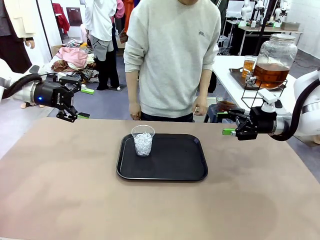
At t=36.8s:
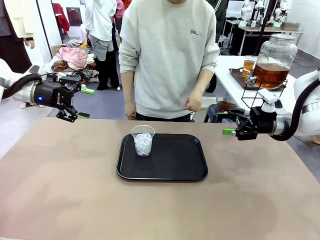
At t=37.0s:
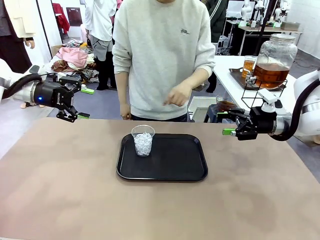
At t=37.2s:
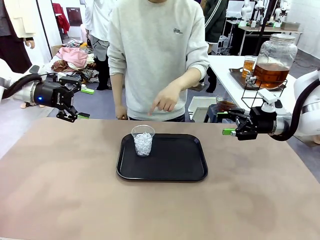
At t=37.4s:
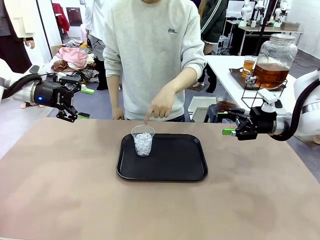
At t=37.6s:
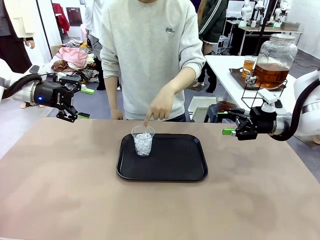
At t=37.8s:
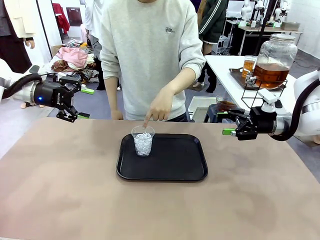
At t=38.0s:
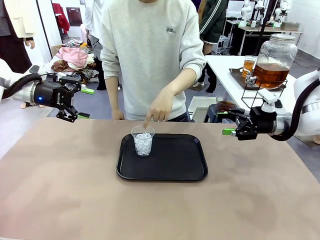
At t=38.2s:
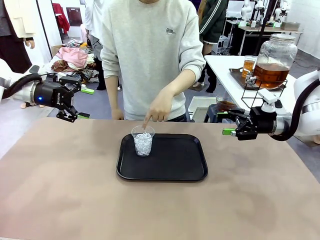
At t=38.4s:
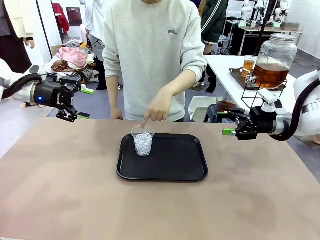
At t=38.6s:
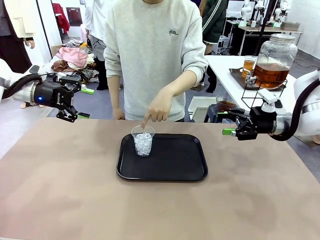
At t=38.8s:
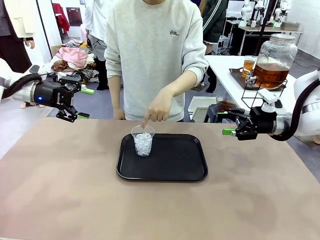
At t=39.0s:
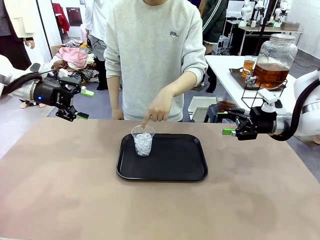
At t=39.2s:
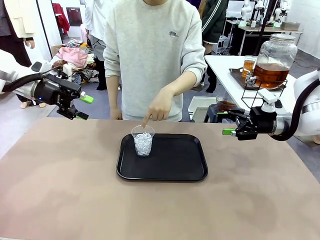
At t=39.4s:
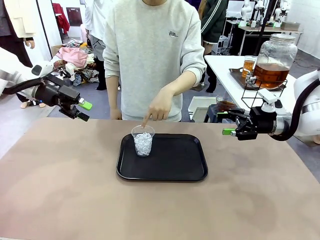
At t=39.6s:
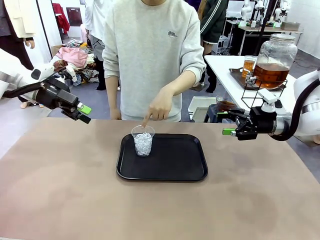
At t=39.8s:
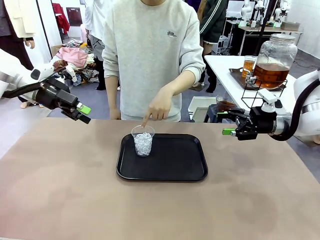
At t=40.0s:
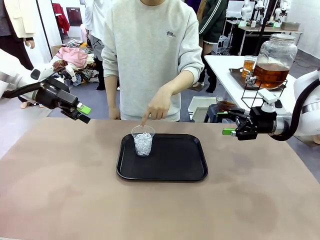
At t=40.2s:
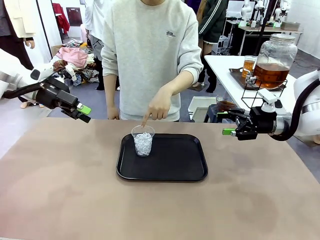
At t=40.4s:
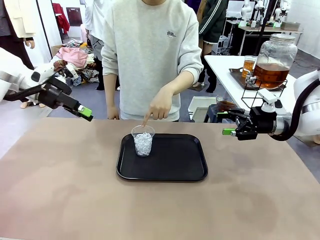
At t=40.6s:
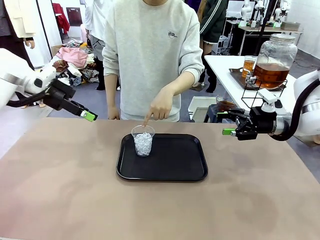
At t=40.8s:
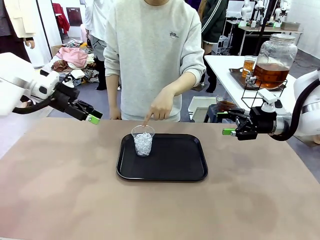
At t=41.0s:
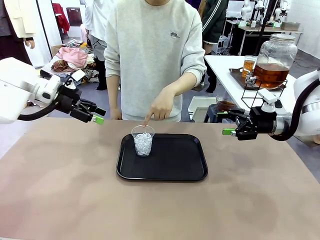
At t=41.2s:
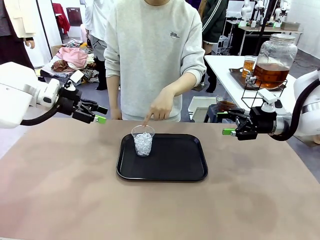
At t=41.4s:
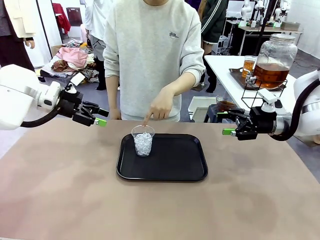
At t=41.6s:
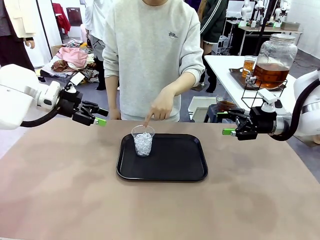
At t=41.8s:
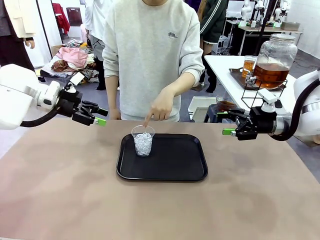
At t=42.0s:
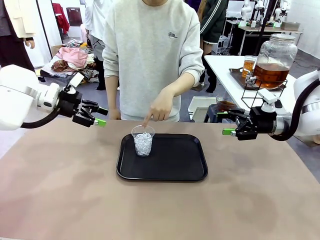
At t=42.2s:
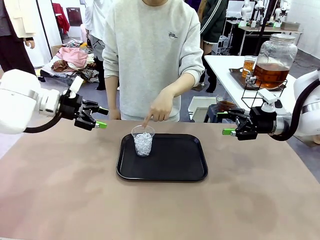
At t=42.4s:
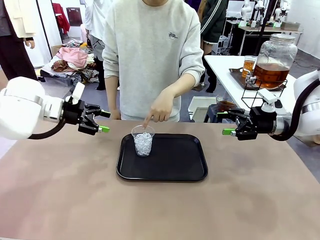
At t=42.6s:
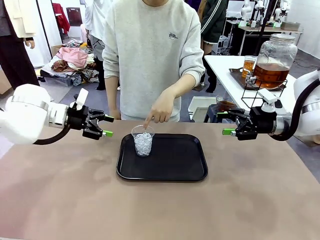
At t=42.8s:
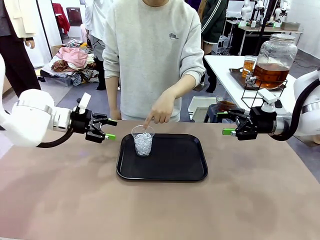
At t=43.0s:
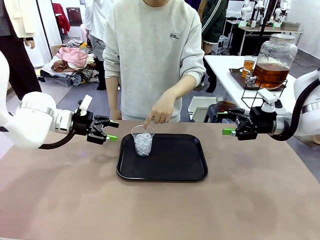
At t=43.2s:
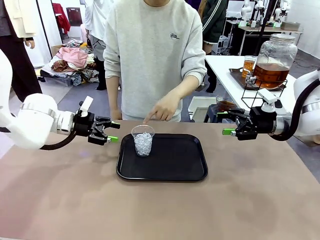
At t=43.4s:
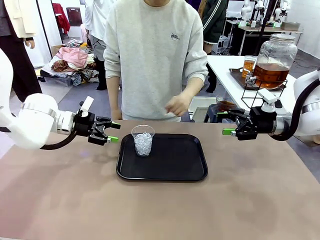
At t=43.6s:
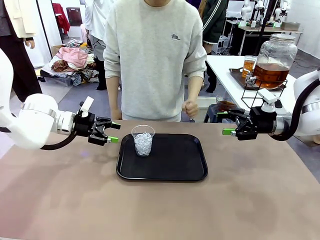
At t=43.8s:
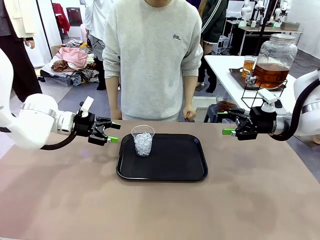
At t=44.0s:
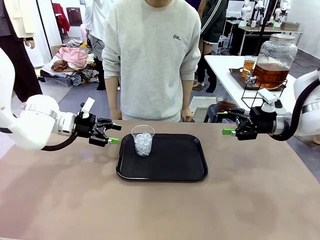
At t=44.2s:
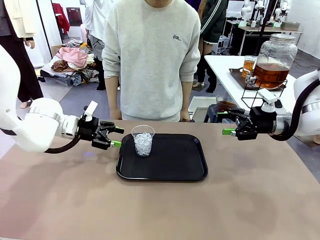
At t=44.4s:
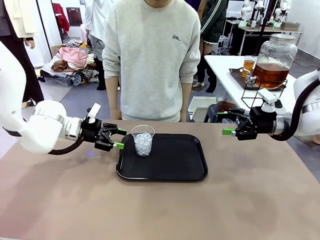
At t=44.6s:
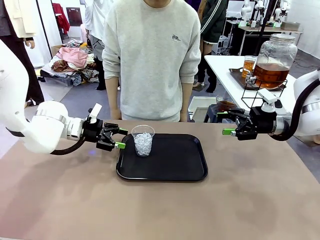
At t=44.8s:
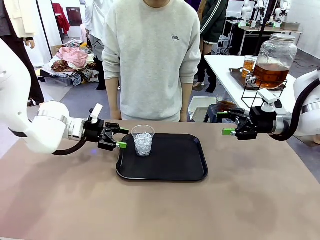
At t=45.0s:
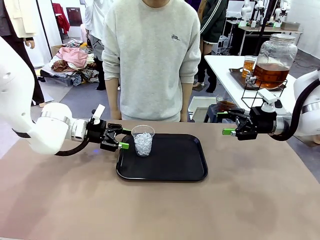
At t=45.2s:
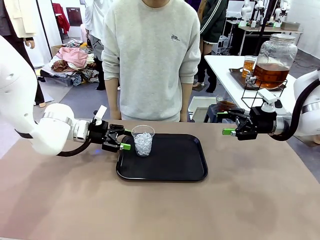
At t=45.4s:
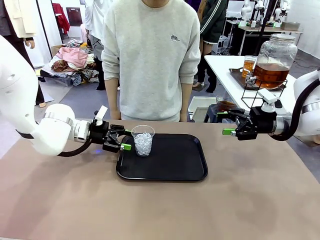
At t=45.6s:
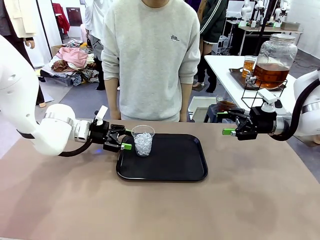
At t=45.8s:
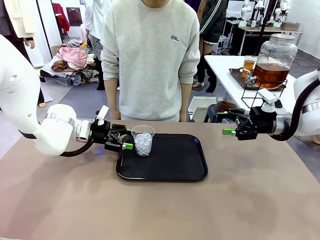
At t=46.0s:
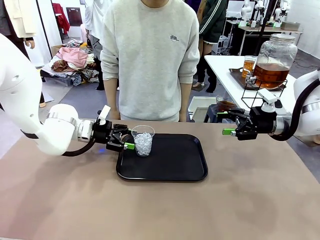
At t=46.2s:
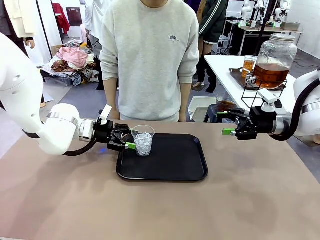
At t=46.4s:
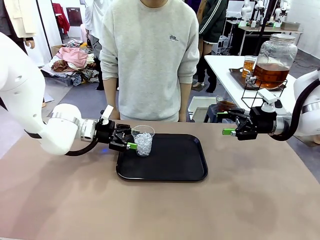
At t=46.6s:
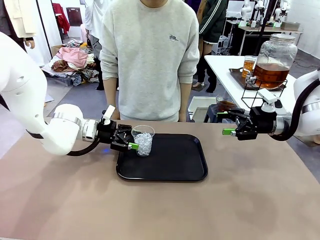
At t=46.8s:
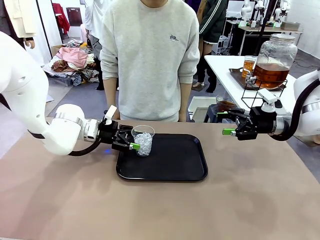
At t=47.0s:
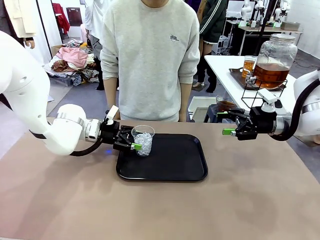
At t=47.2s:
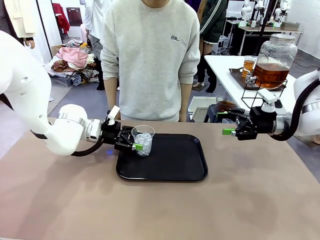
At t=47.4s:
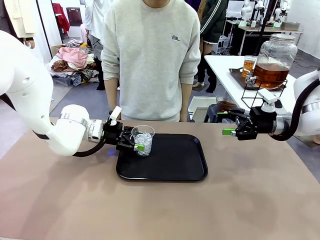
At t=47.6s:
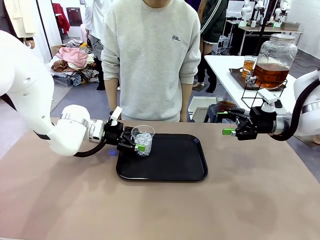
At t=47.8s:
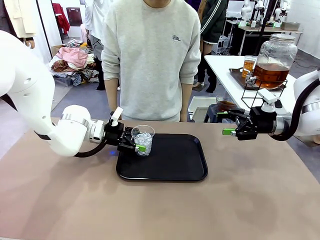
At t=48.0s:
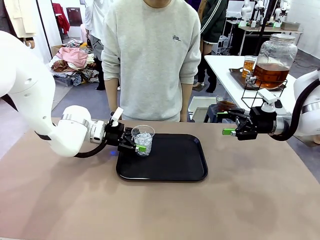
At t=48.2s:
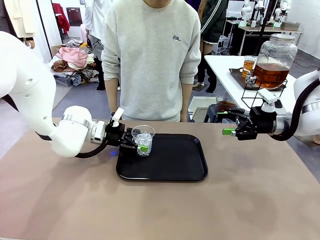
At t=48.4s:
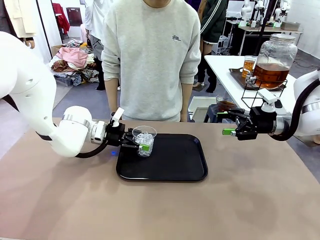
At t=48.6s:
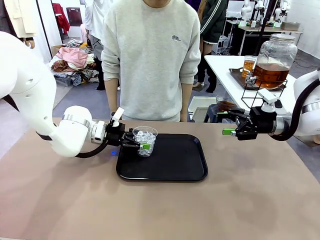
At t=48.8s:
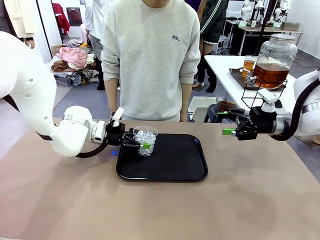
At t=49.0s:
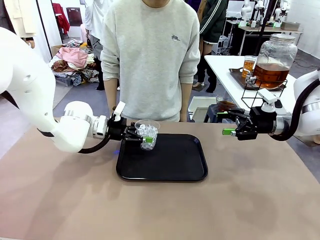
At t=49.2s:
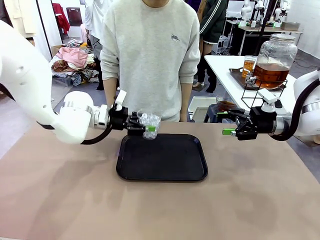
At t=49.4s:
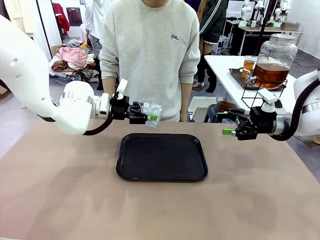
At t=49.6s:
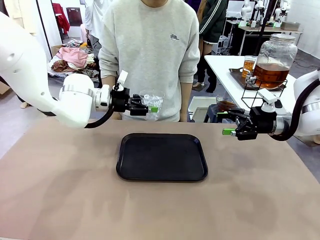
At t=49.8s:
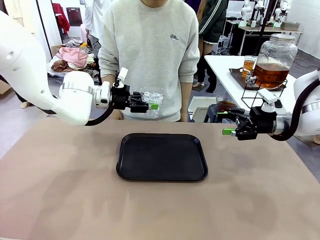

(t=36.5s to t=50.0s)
Task: Pour the drink into the iced cup.
Robot: Pick up the iced cup indicated by the human and present it to them.
Person: Point to the remaining ice cup on the robot table. Pick up the cup offered by the robot.
